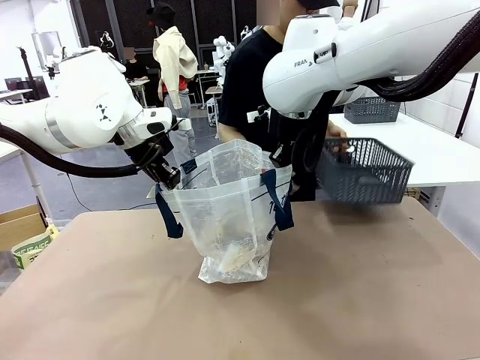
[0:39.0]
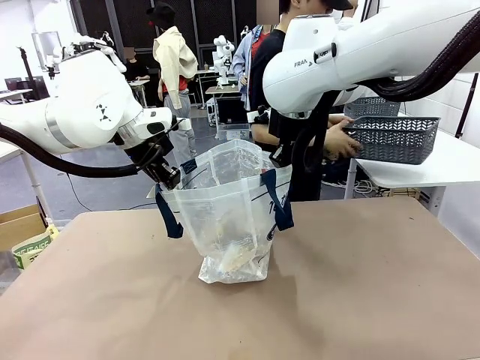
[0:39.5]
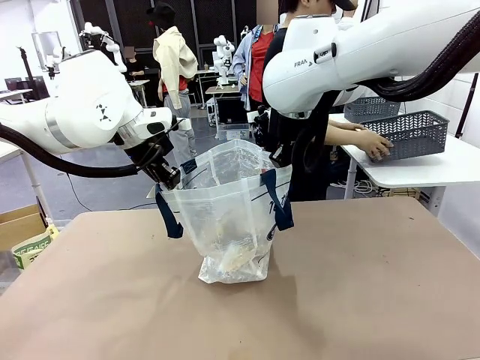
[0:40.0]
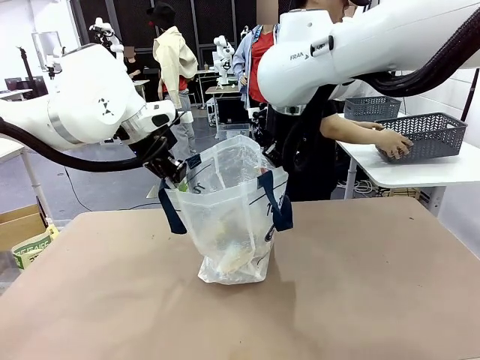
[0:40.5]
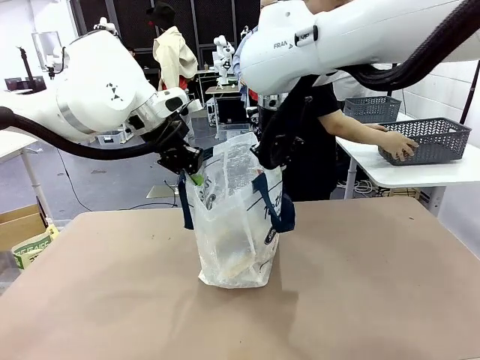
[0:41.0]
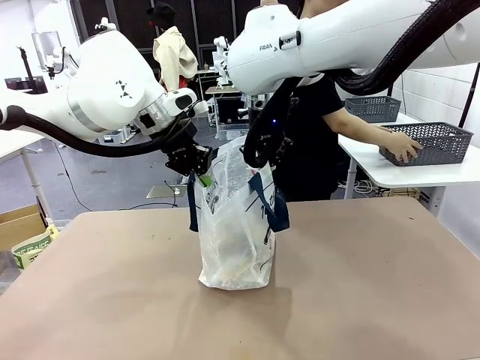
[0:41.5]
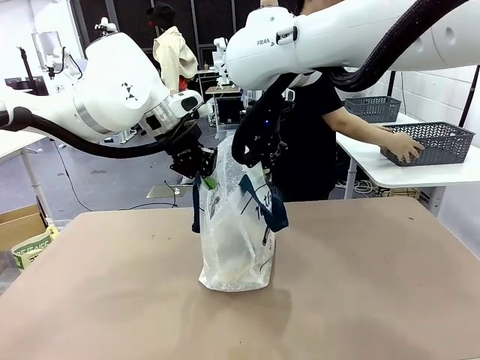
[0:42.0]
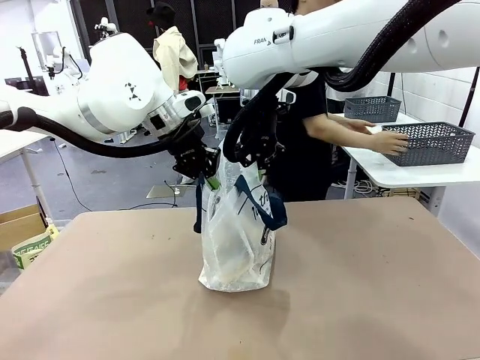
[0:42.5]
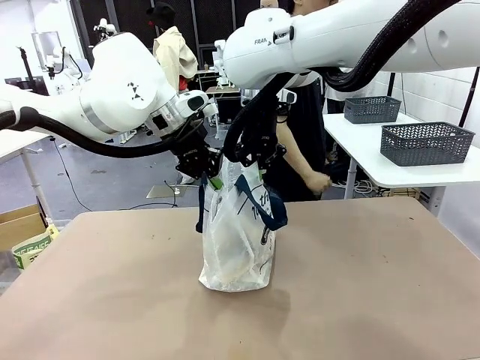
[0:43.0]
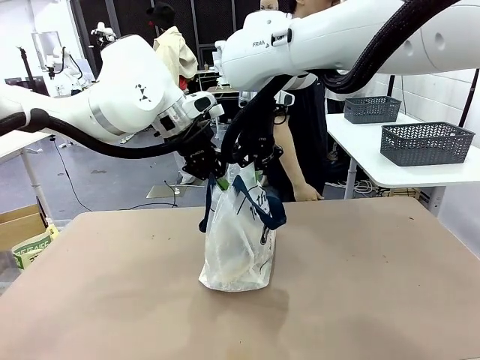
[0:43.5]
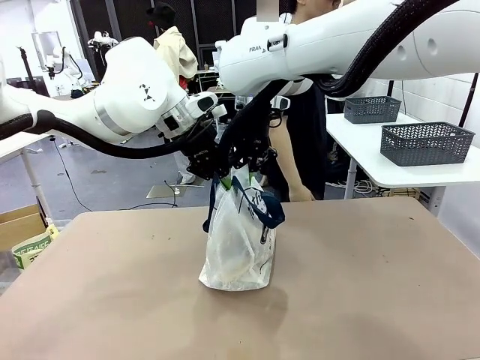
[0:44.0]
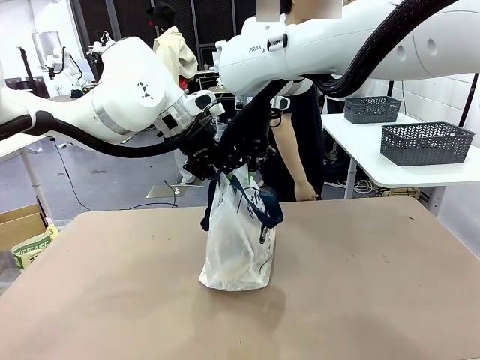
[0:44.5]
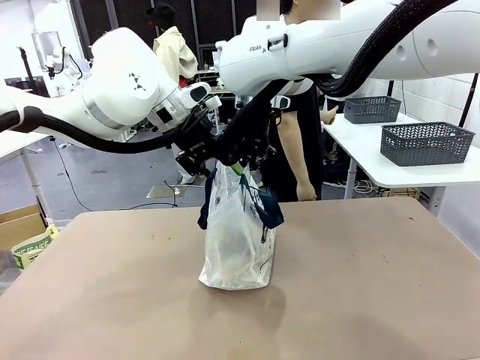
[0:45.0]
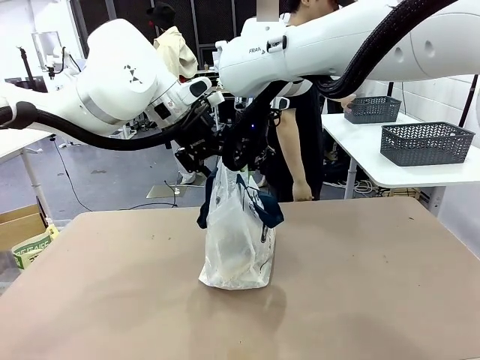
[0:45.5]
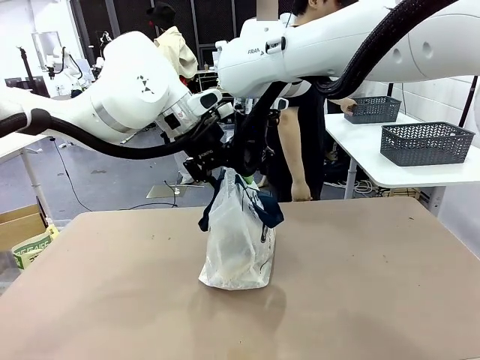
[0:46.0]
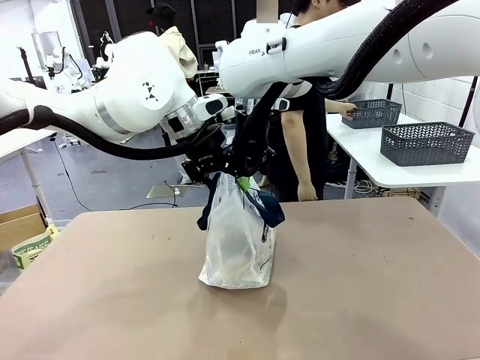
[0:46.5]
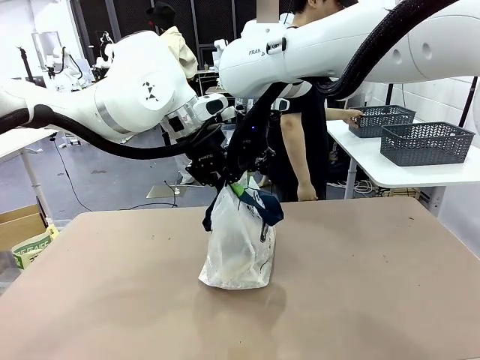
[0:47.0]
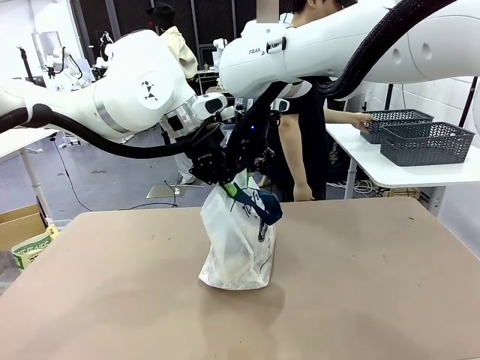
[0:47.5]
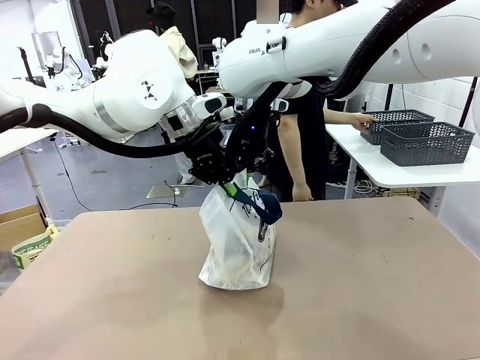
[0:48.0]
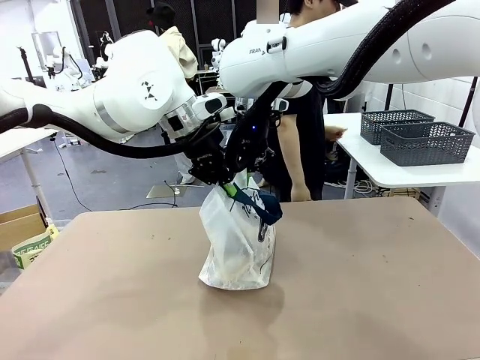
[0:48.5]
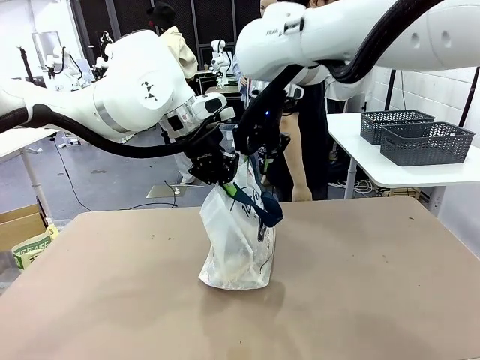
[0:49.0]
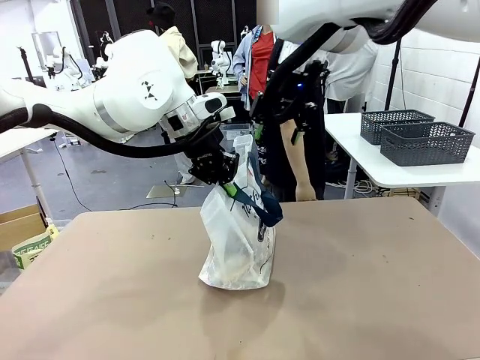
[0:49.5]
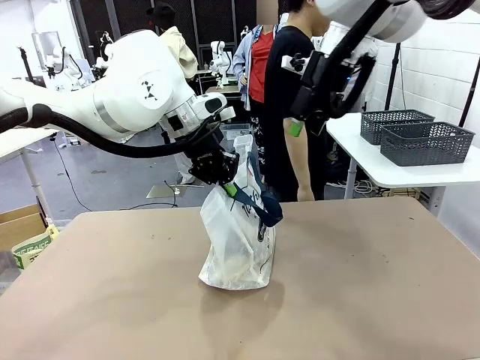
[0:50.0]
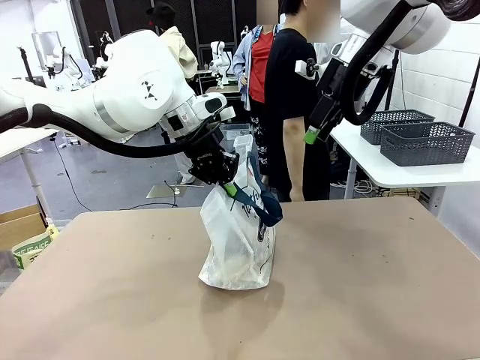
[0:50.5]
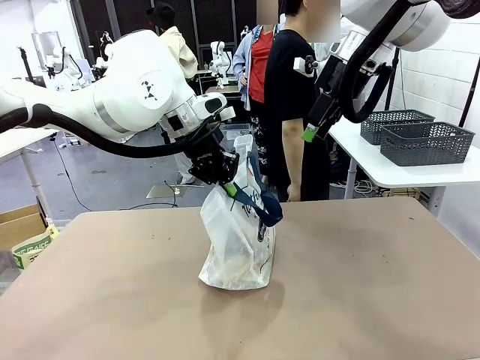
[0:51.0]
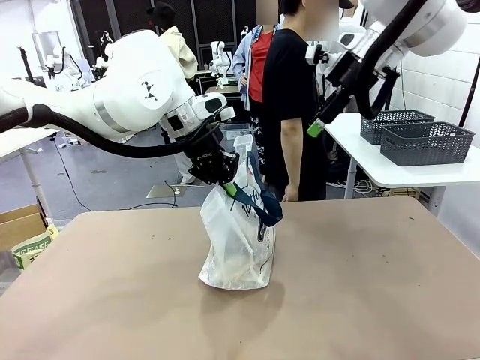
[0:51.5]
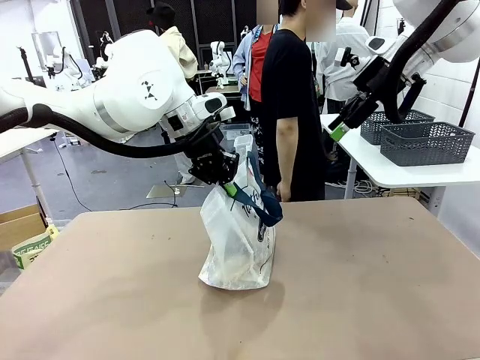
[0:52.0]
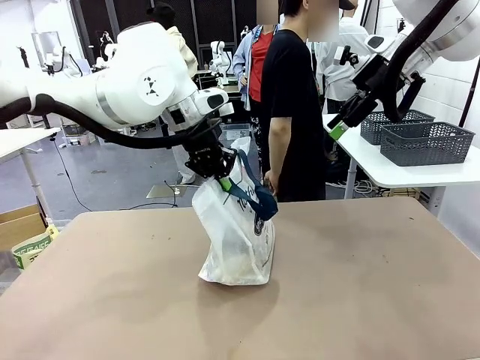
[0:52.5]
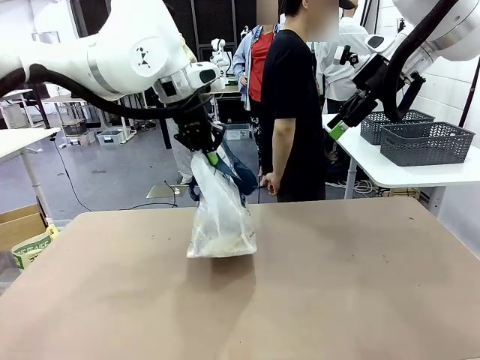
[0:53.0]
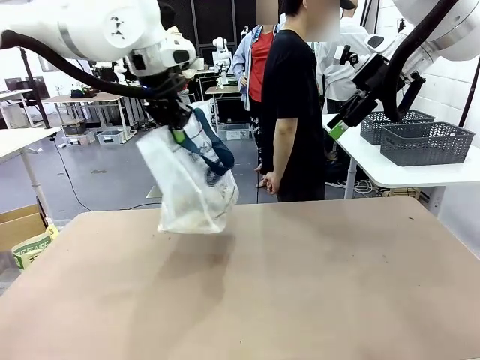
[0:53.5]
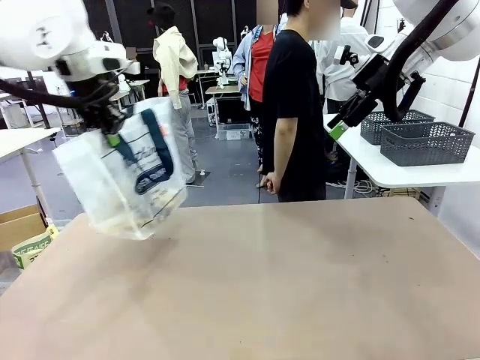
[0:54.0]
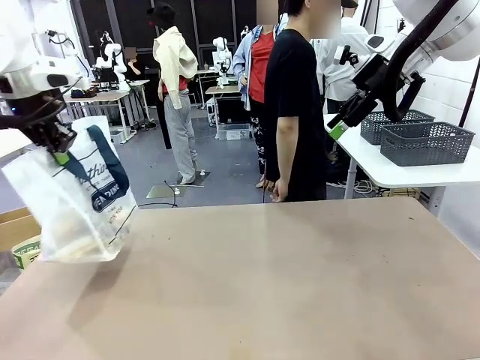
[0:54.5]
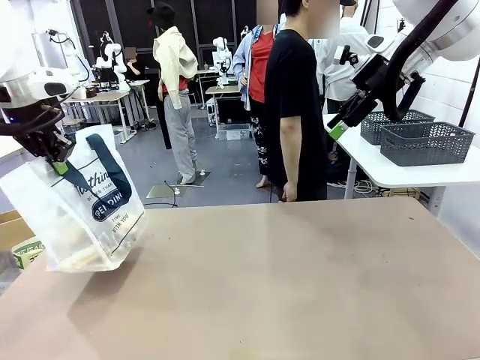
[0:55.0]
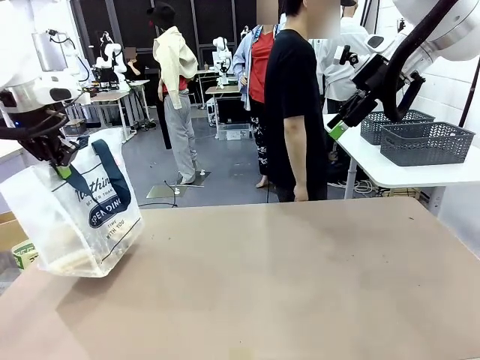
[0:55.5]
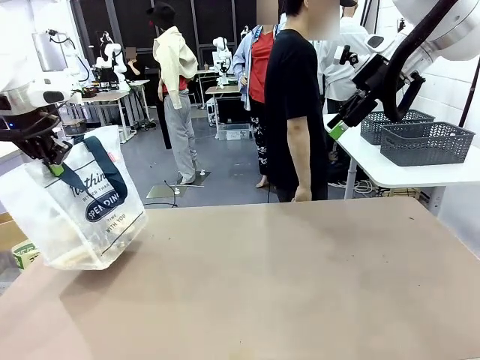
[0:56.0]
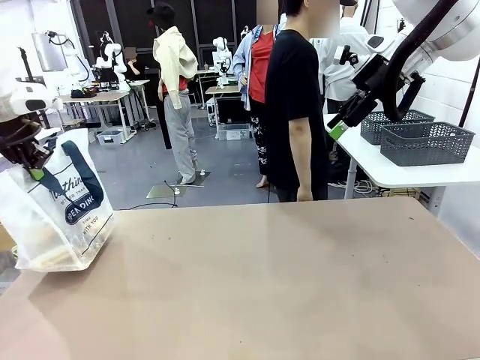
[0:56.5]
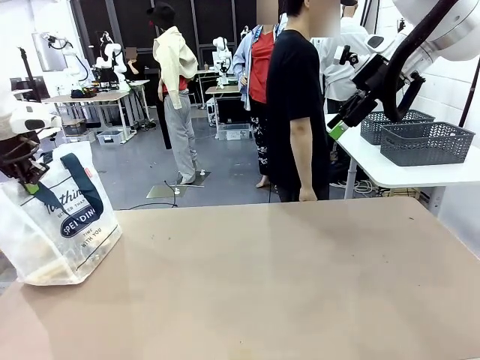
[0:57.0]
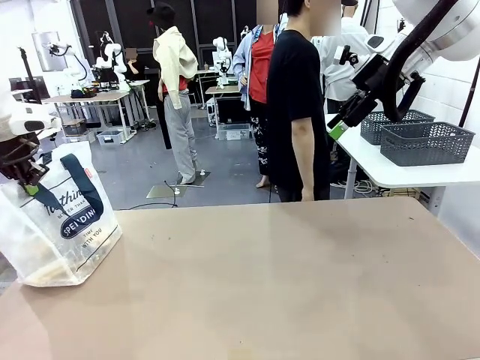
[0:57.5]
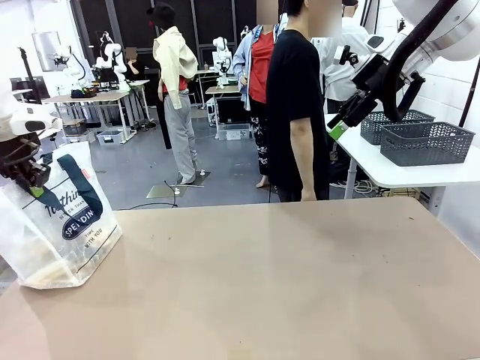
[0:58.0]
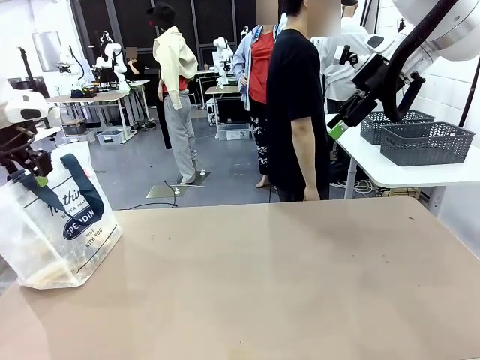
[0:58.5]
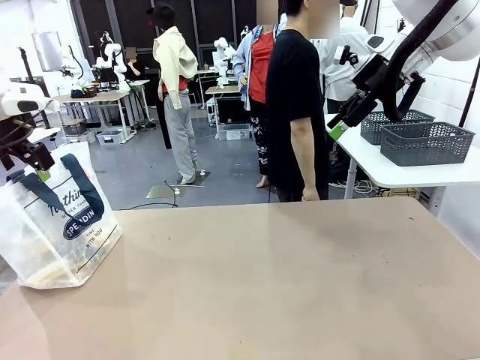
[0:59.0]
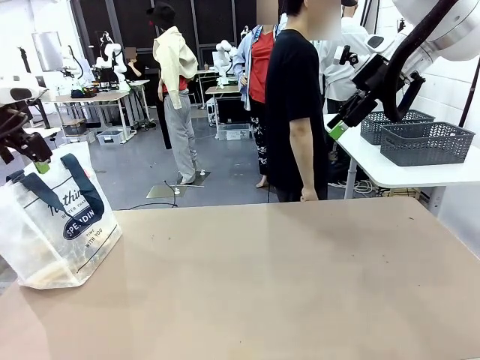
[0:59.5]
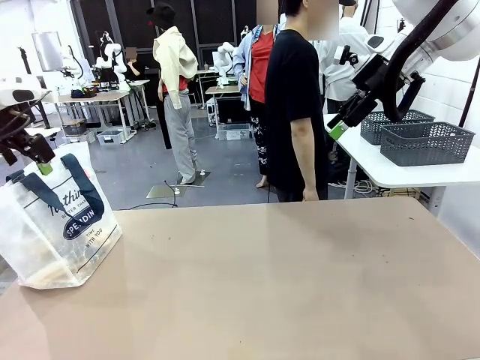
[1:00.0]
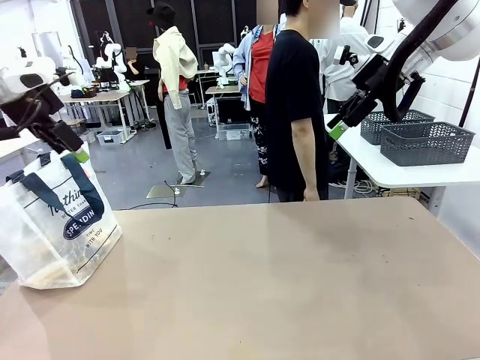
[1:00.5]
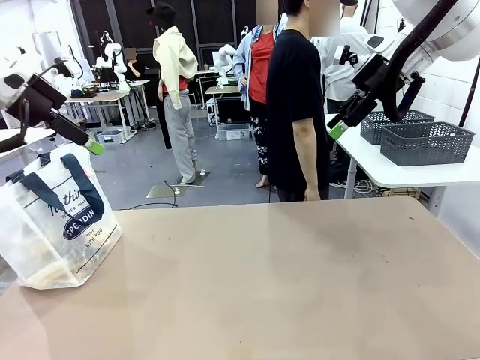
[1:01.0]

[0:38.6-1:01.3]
Task: Transfer purchased items from the store into the shopping bag.
Robot: Move the Reusable shopping bag to the right side of the table.
Person: Pick up the basket with the items out and place it on the right side of the human table. Move the basket on the left to the middle of the person's table.

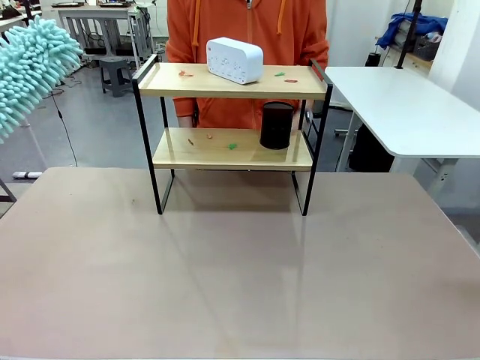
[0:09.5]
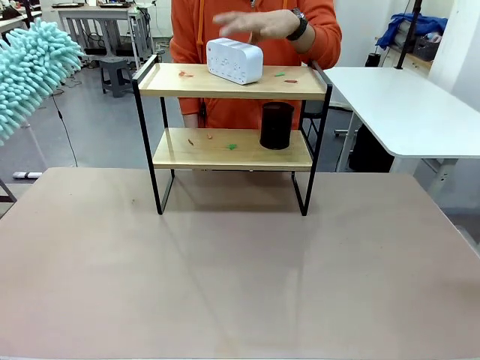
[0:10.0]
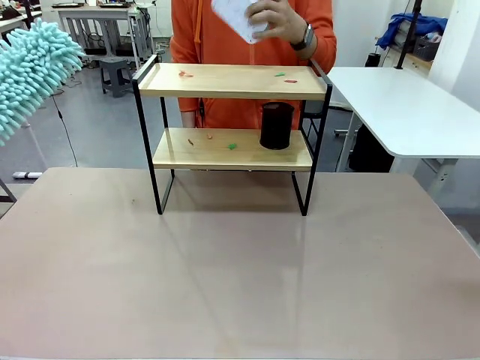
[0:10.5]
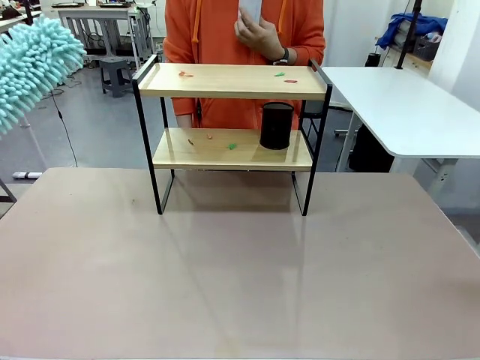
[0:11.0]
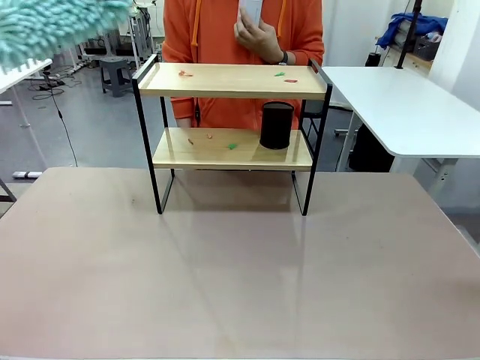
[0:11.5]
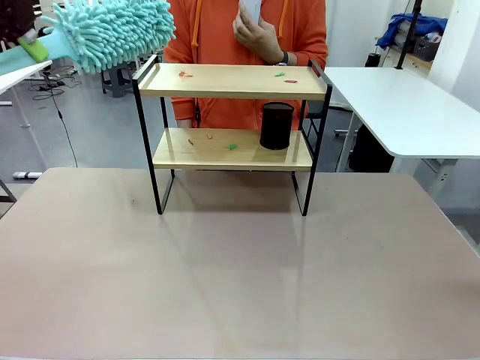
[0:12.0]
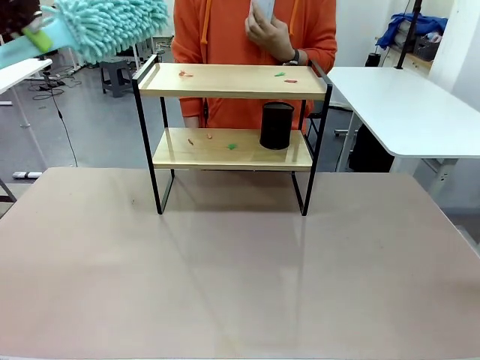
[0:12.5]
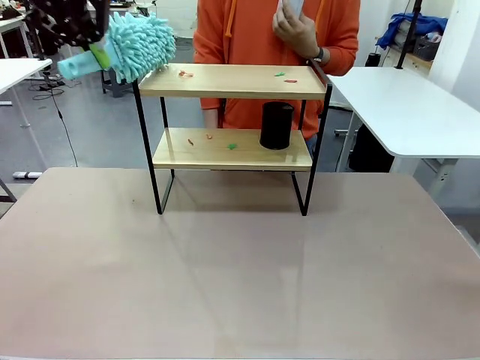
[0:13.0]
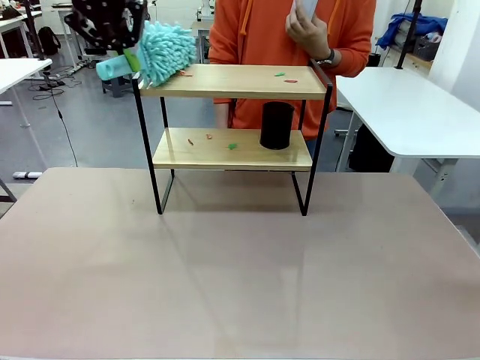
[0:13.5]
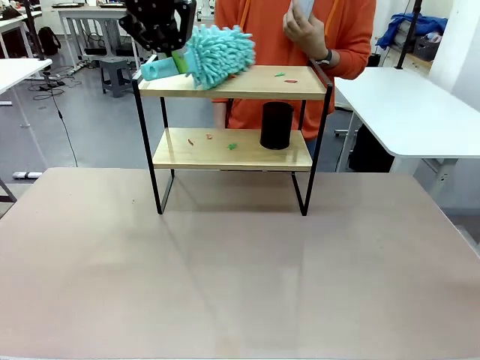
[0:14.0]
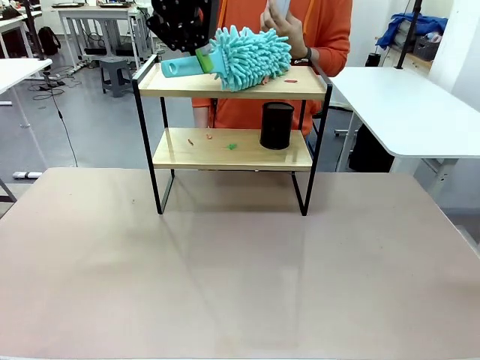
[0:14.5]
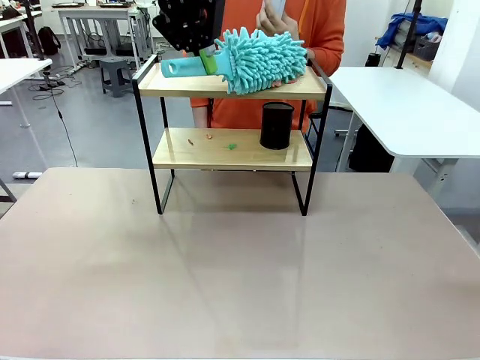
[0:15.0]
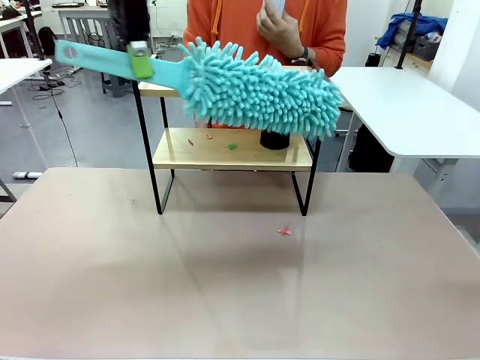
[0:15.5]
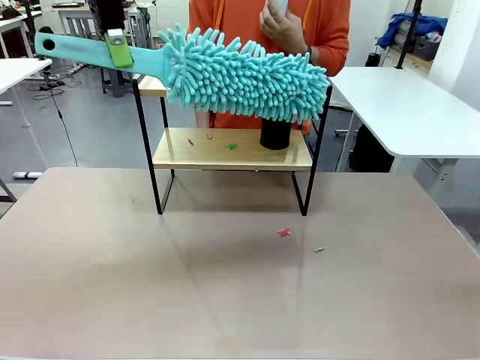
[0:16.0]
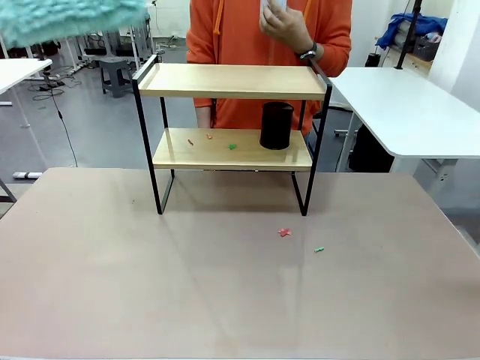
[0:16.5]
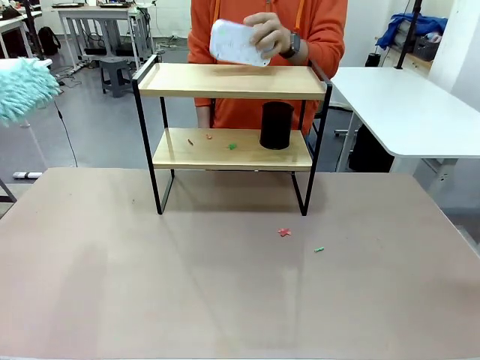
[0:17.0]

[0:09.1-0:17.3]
Task: Clean the shelf.
Robot: Clean the specific tier of the Shelf with the Duster once objects are removed.
Person: Lift the objects on a randomly selected tier of the Shelf. Once the robot finishes cleaning, lift the objects on the remaining tiers of the Shelf.
